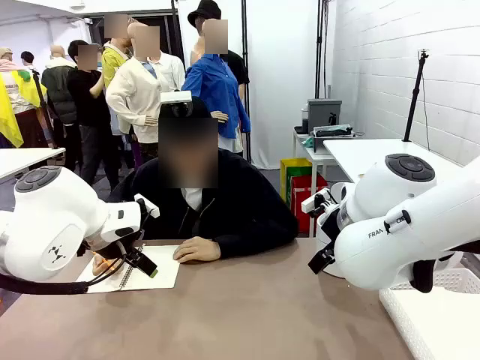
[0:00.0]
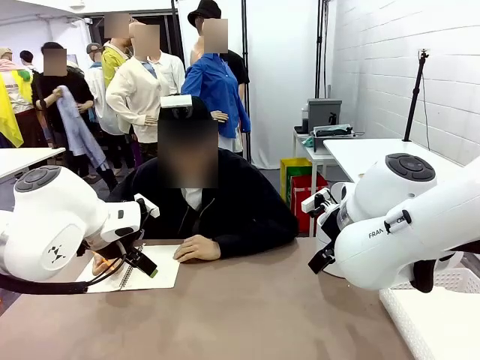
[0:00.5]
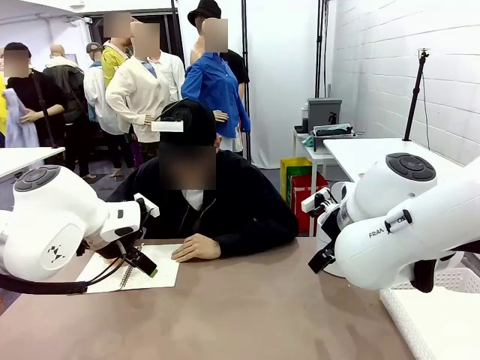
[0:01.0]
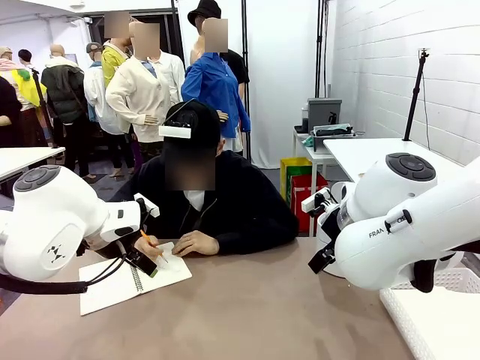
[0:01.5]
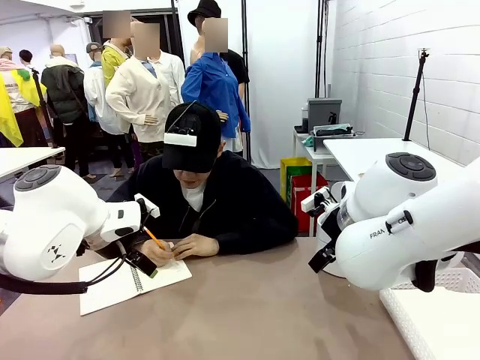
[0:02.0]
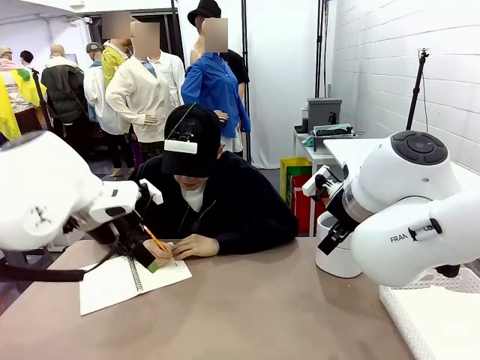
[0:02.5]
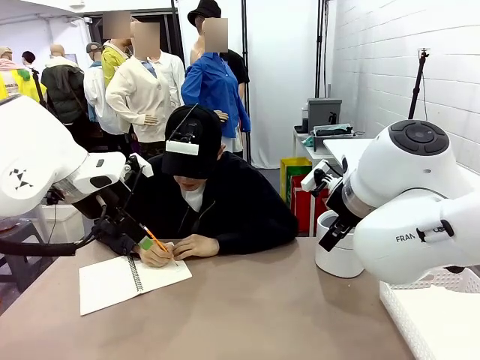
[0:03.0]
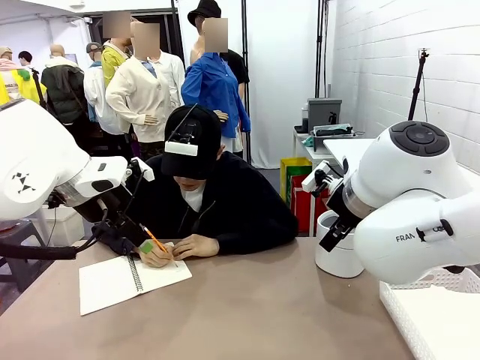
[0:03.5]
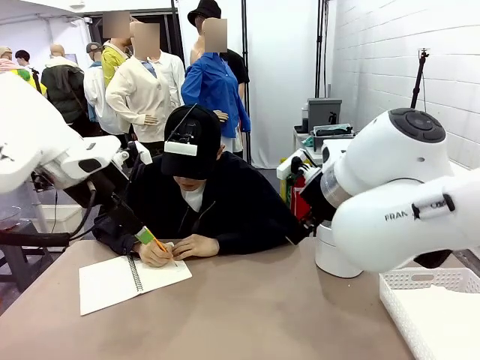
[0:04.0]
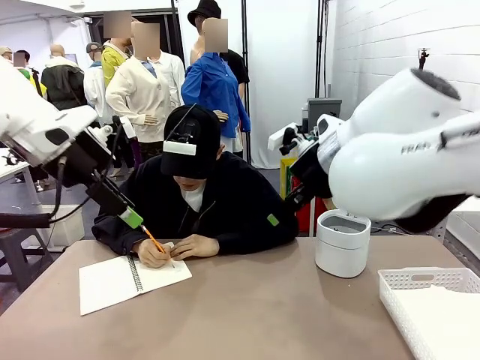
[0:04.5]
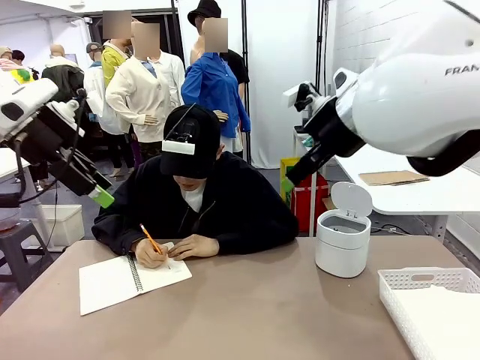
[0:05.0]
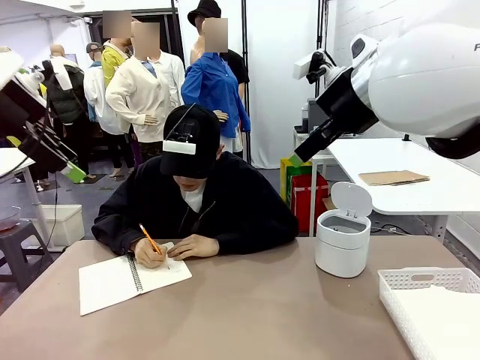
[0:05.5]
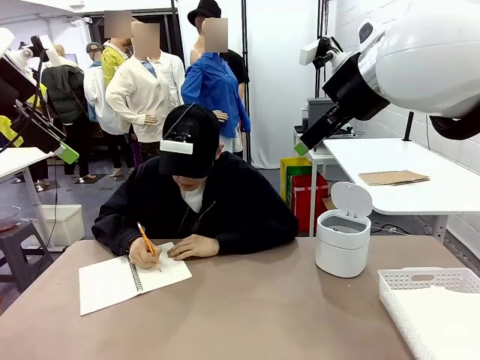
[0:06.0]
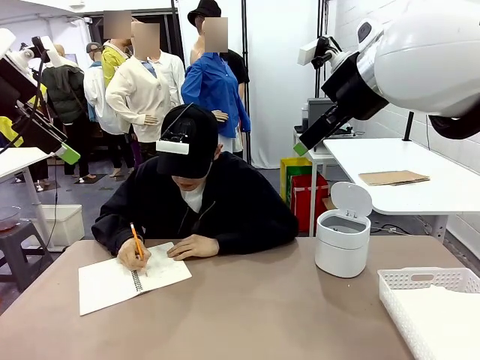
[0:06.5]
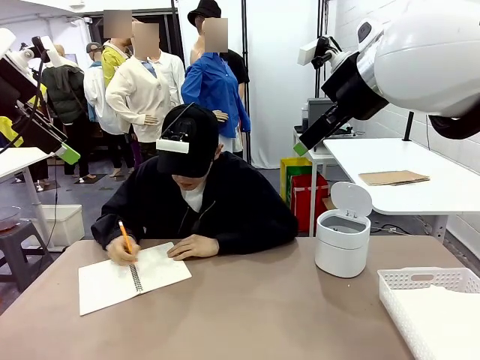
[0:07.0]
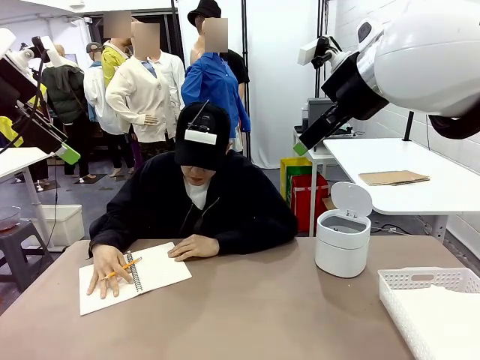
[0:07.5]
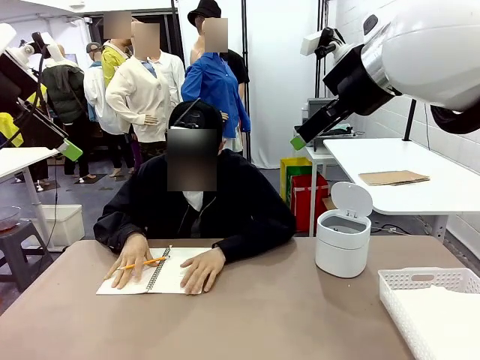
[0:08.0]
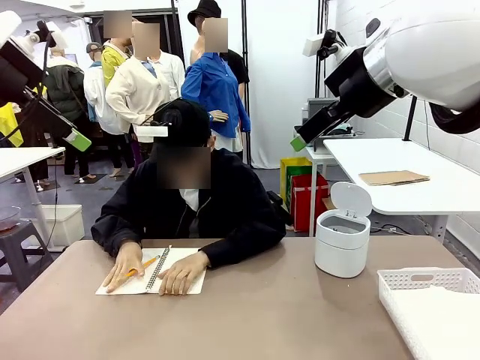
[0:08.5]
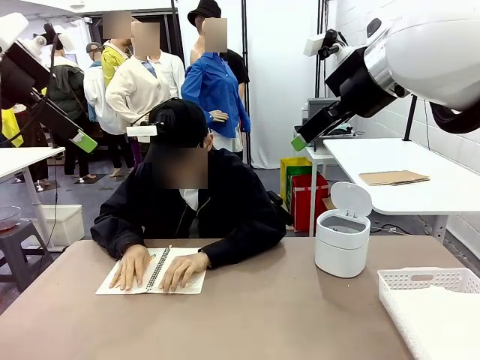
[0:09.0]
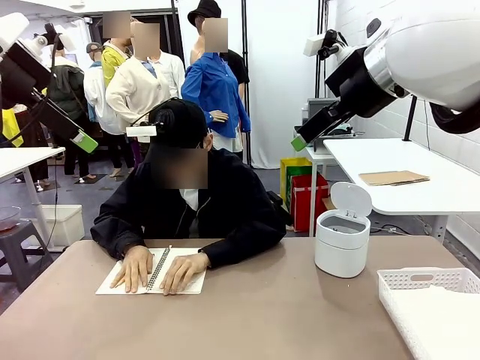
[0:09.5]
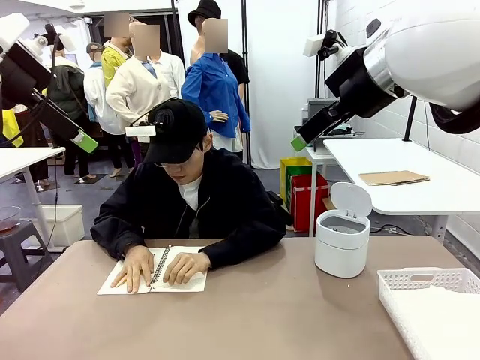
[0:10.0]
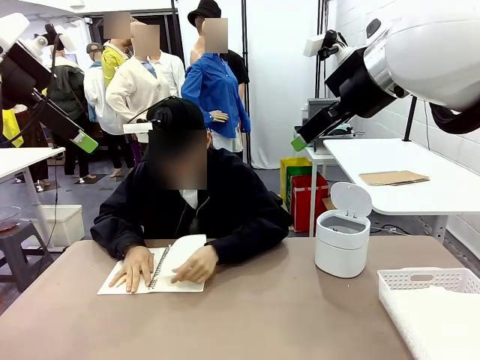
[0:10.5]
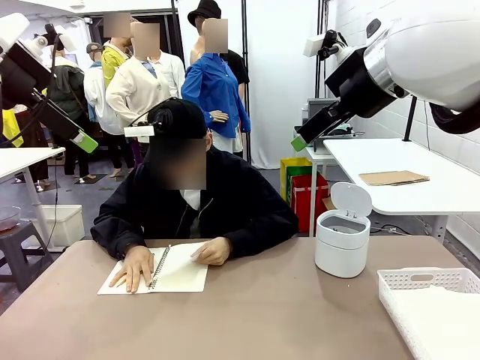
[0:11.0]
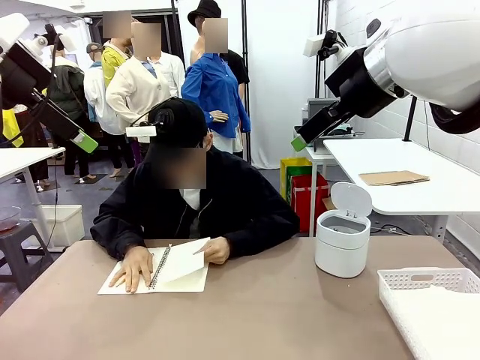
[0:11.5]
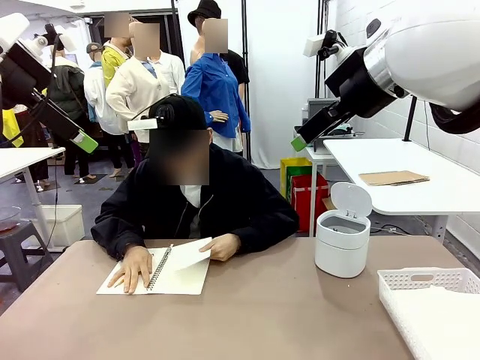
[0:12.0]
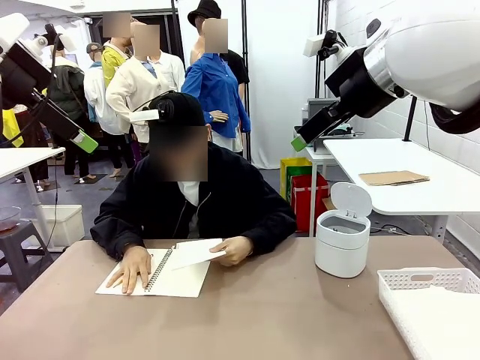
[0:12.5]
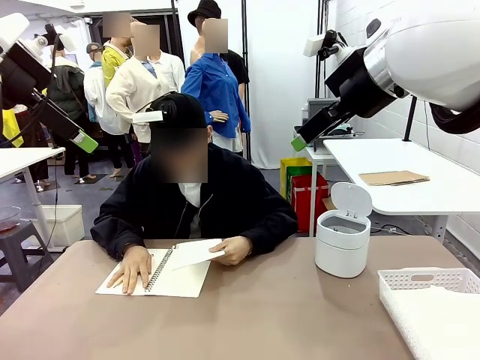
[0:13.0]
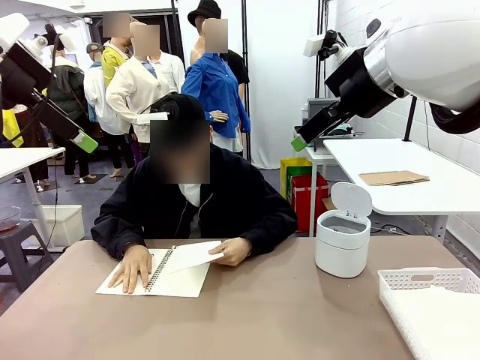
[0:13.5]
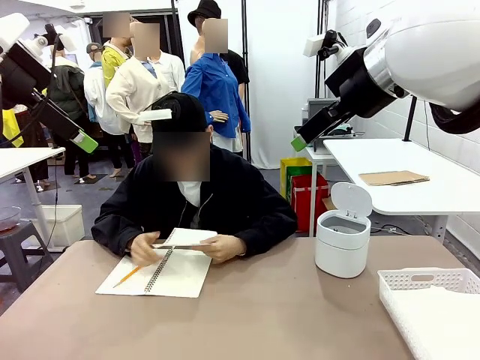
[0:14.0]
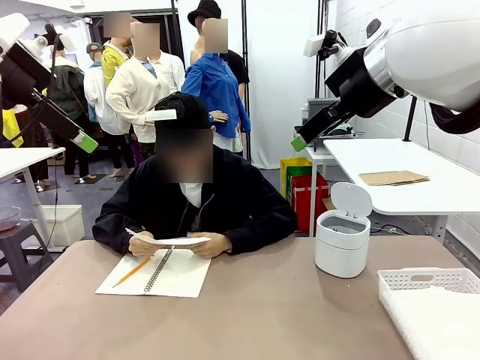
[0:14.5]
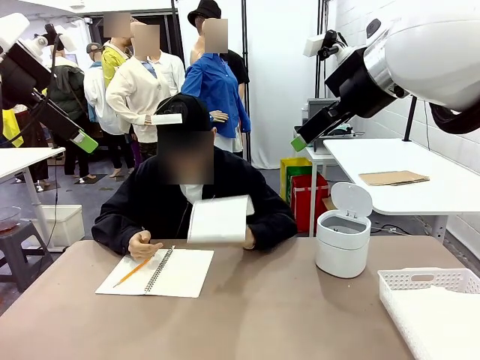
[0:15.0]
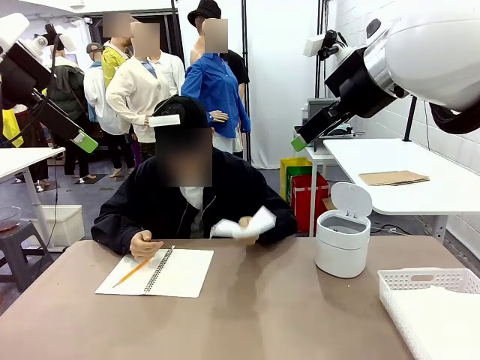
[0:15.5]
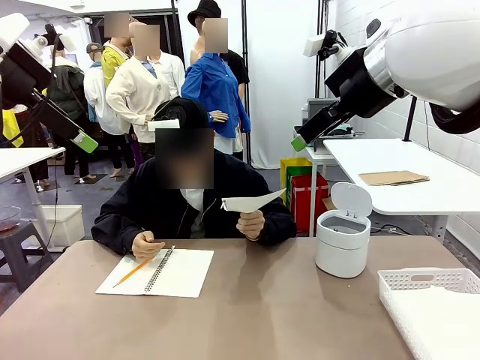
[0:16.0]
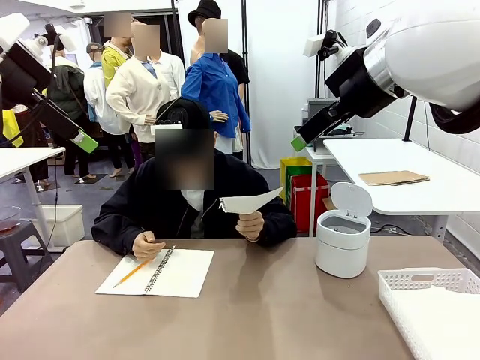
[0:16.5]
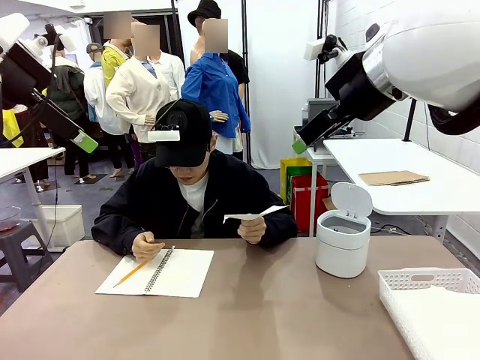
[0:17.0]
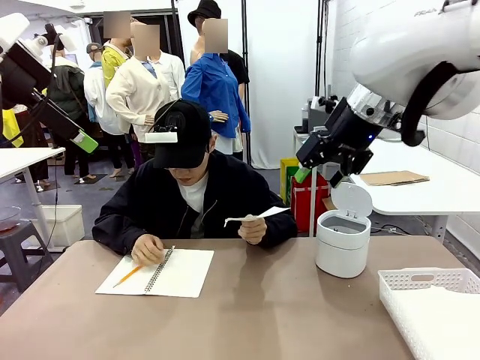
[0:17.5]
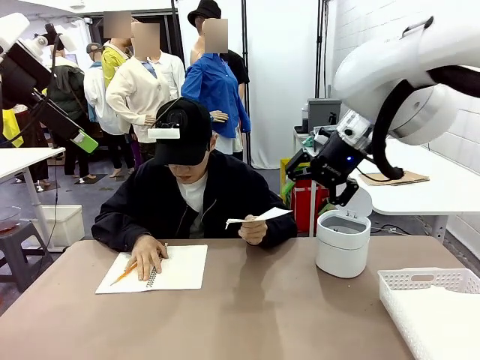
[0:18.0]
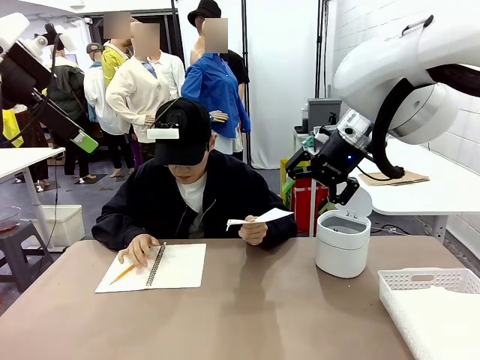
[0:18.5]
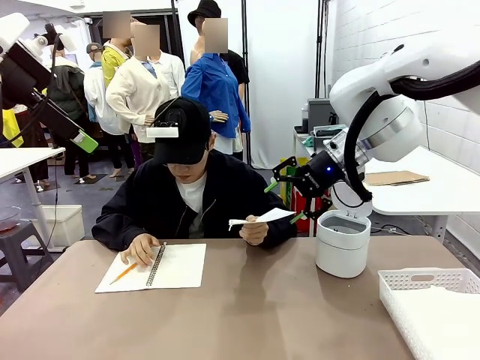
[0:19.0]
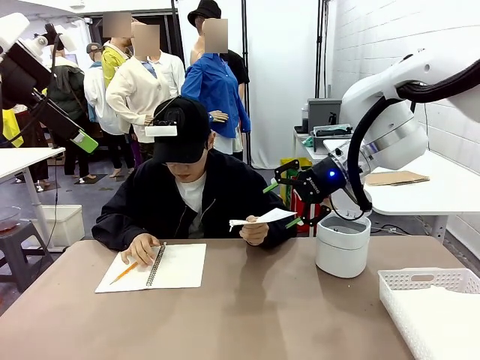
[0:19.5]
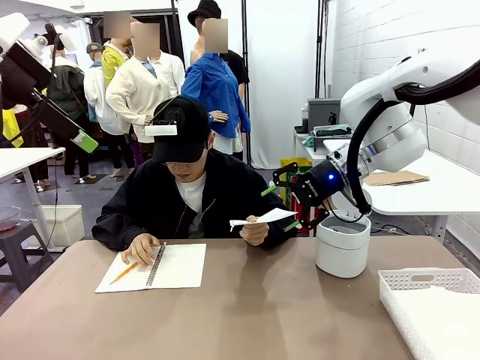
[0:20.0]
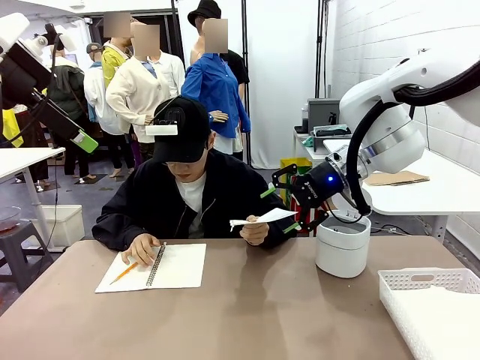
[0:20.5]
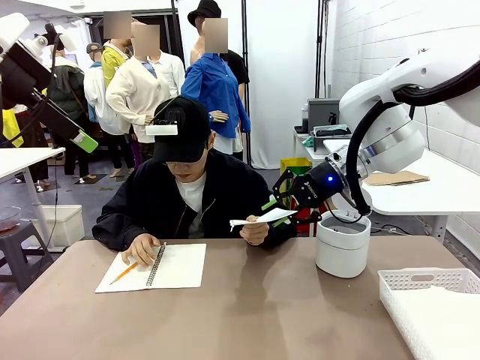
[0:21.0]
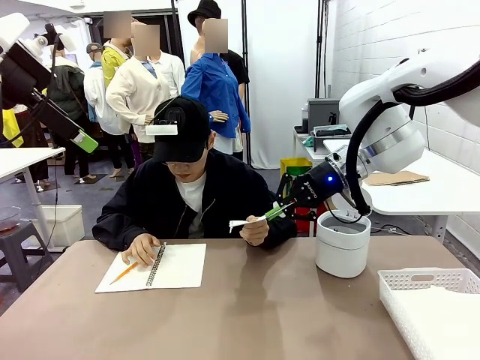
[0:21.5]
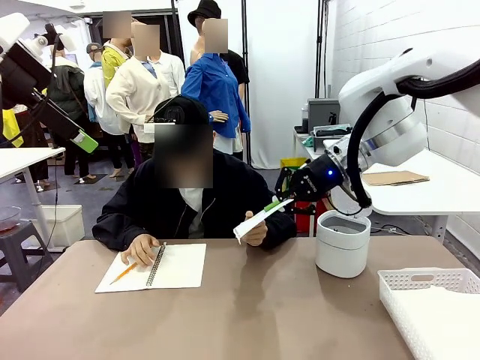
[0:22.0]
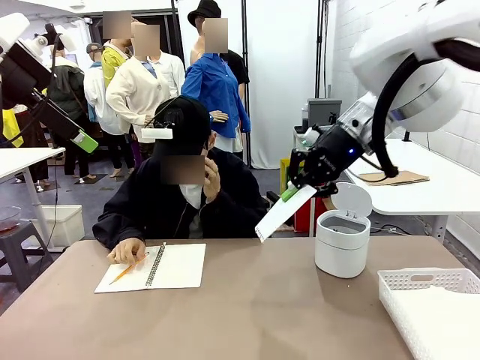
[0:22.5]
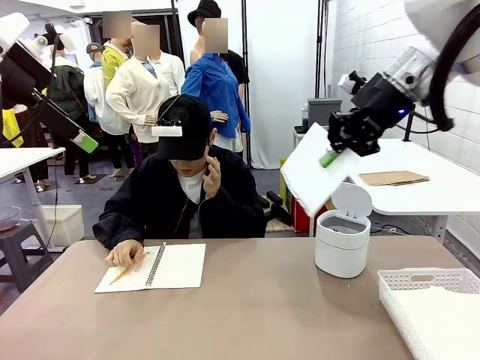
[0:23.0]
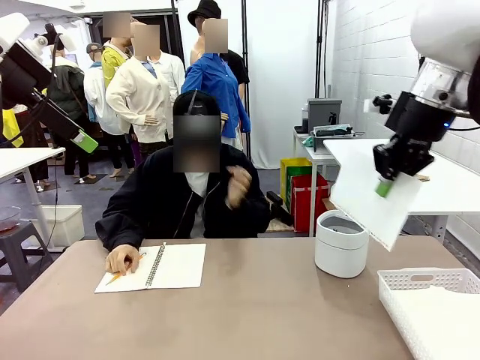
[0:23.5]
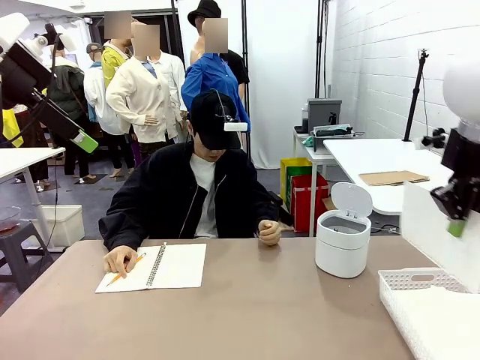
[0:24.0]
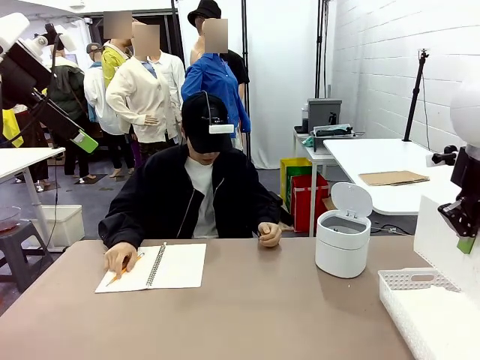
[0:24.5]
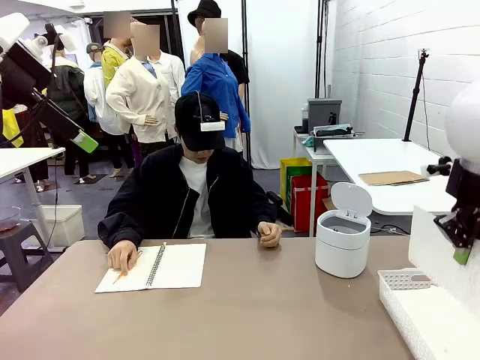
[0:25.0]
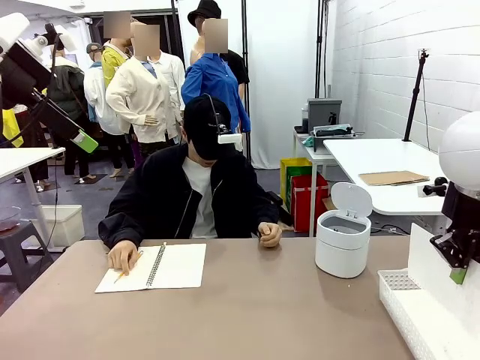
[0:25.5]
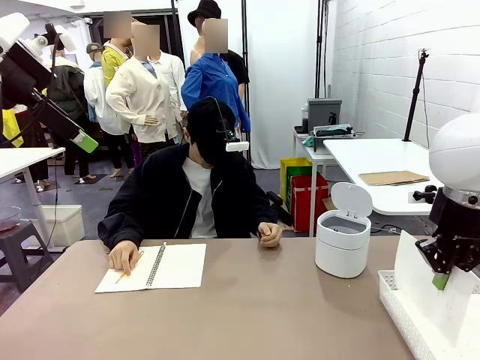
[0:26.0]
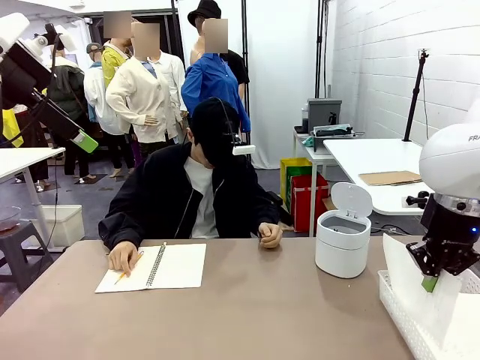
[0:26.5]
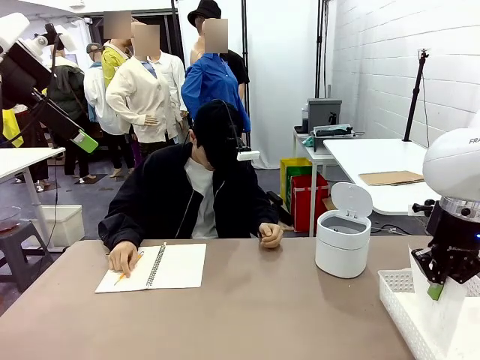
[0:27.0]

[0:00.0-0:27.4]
Task: Sort the paper based on its condition.
Robot: If a person hands you a paper, place it in the Organizing basket , and if it's crumpled, put it in the Trash can.
Person: Tear out a page from the spiral notebook. Hand the torn page to the robot or crumple it and throw it to the center of the table. Tear out a page from the spiral notebook.
